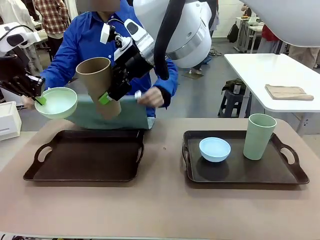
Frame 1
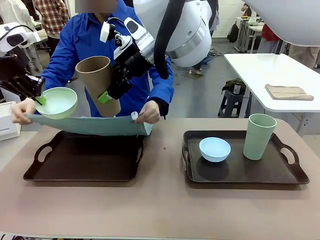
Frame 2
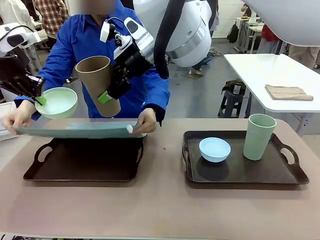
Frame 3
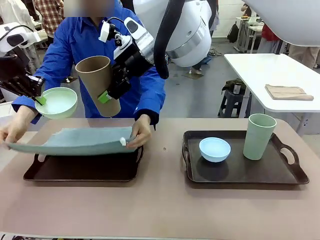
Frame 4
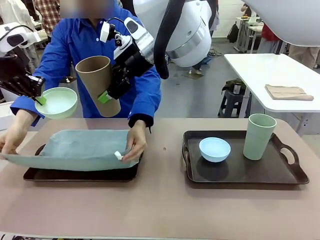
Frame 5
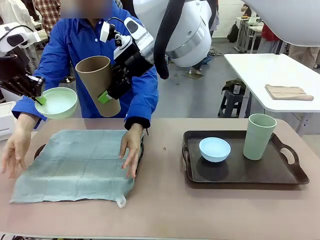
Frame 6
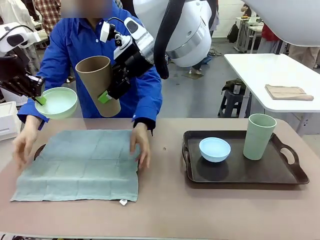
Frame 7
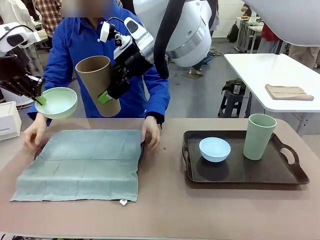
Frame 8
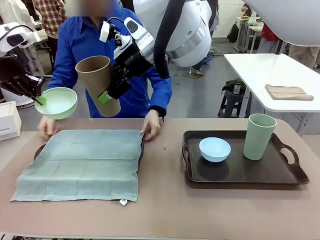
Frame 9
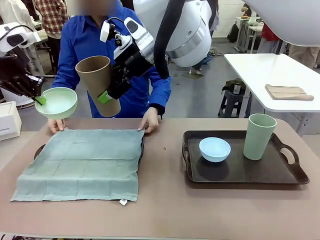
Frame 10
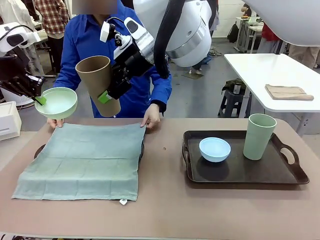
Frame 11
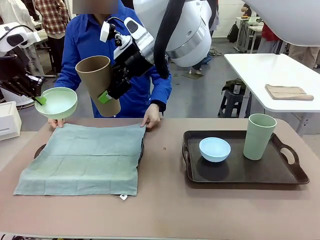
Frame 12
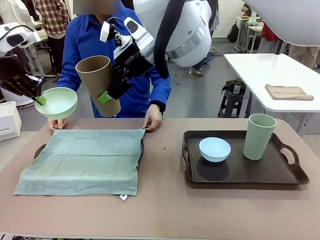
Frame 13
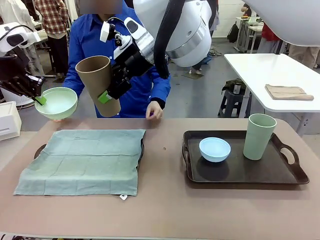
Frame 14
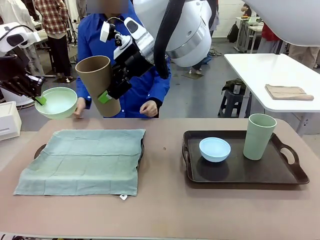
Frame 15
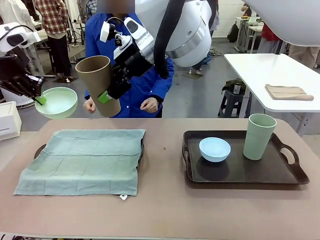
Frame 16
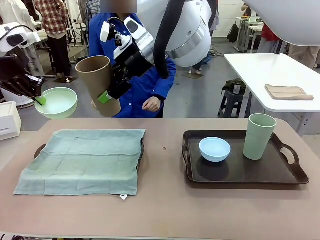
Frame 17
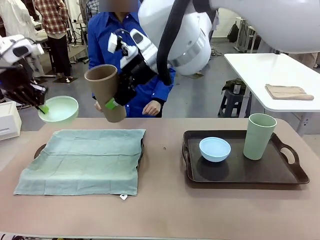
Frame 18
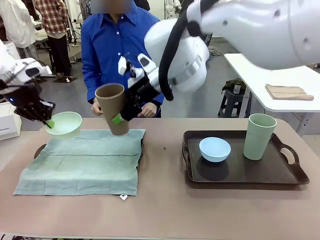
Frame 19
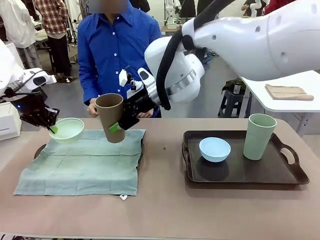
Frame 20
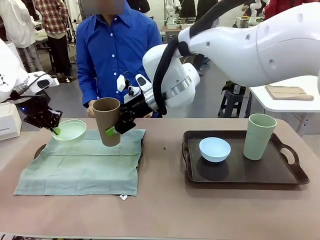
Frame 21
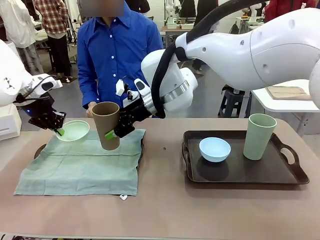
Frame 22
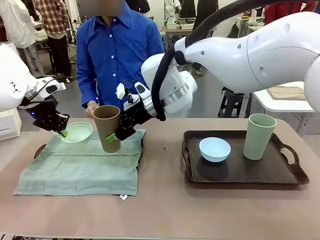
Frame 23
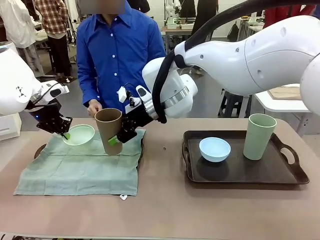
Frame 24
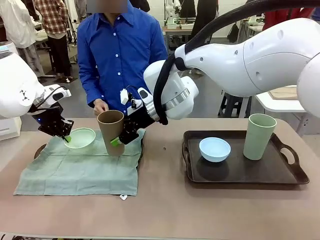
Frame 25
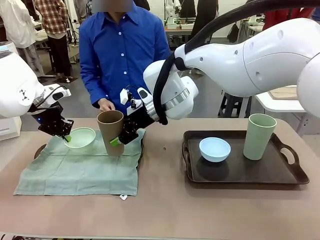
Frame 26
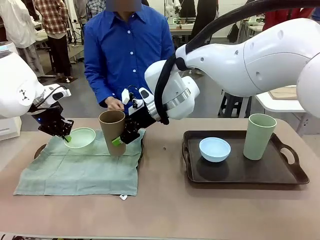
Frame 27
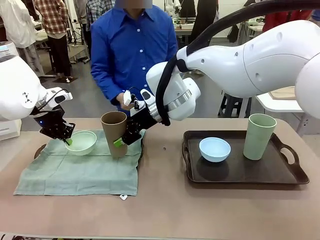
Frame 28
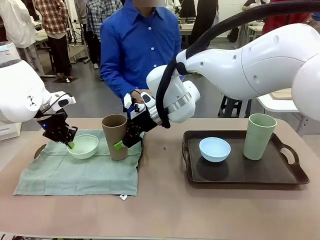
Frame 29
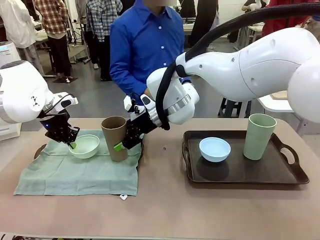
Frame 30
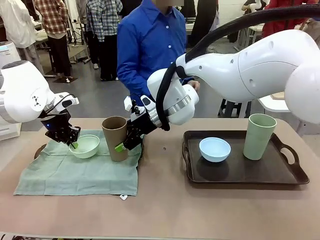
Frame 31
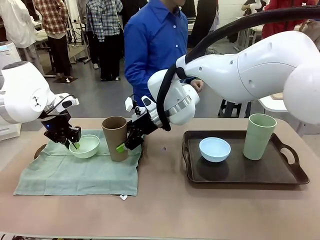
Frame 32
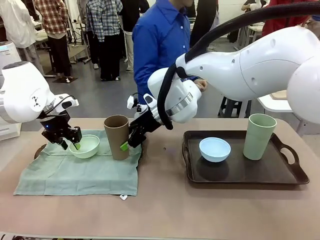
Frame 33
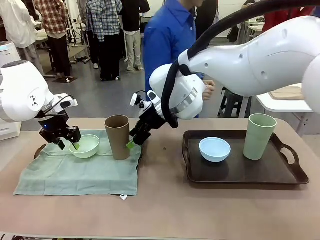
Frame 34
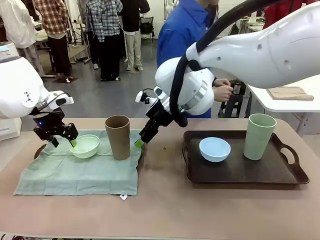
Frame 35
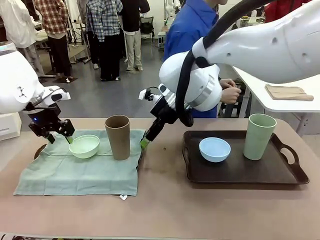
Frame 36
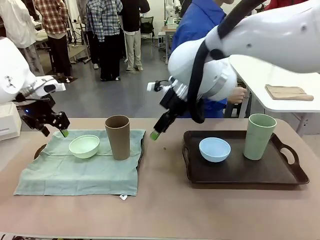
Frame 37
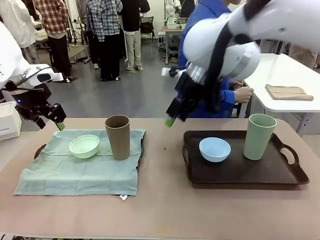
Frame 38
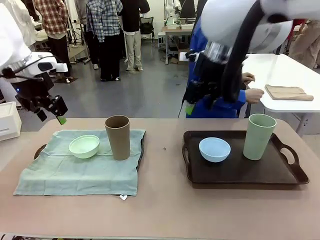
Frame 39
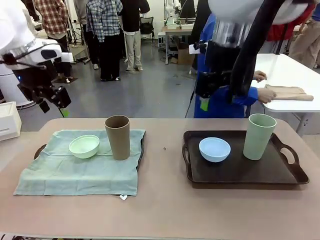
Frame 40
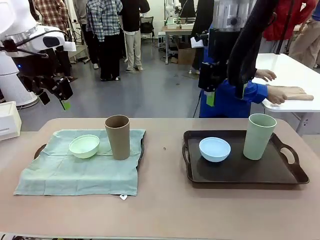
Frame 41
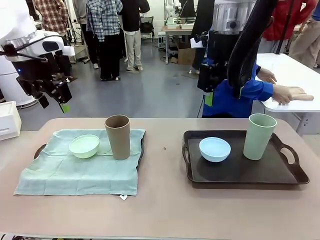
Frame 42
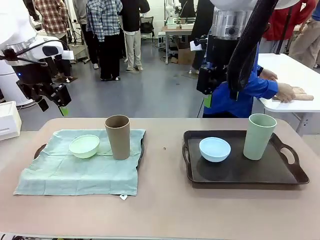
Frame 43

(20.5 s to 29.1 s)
Robot: Place the Picnic Bowl and Reusable plastic cup back onto the Handle tray in front of the human's position.

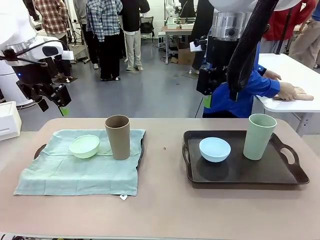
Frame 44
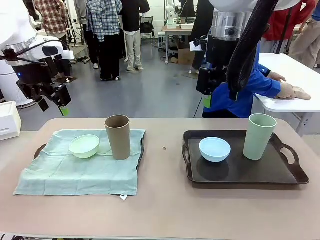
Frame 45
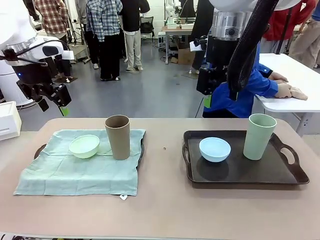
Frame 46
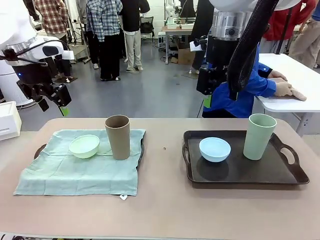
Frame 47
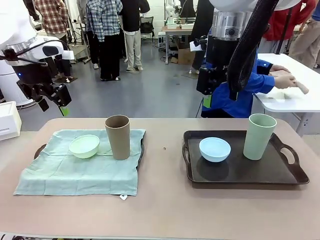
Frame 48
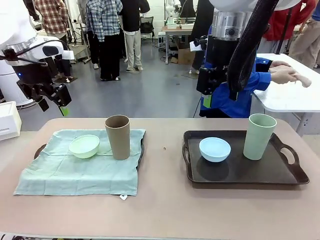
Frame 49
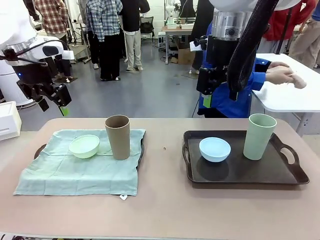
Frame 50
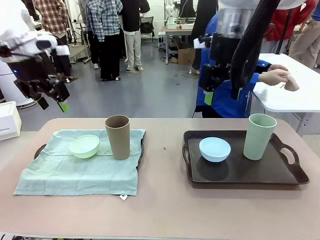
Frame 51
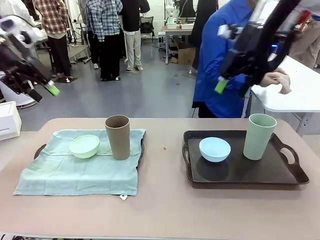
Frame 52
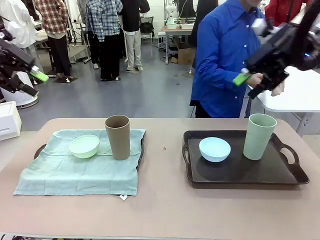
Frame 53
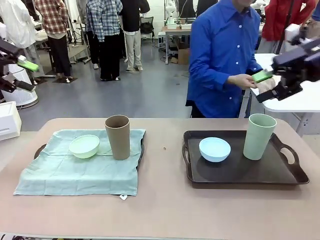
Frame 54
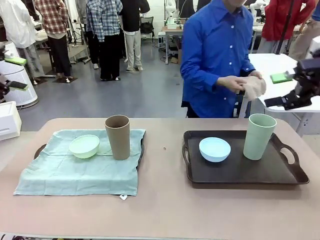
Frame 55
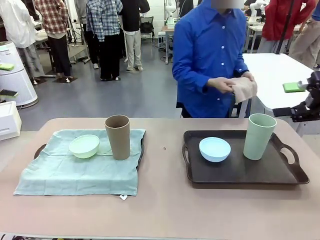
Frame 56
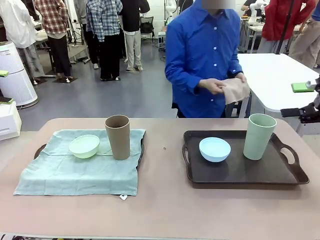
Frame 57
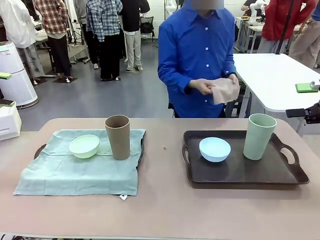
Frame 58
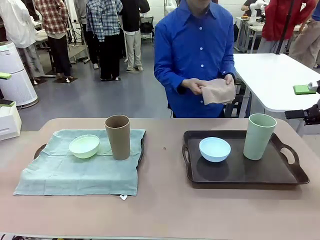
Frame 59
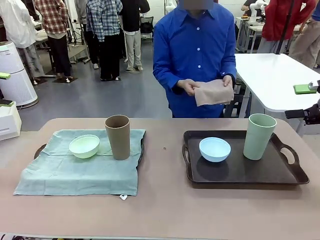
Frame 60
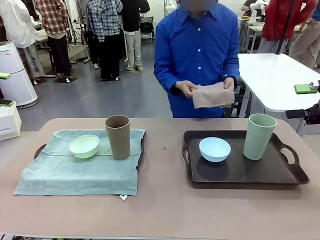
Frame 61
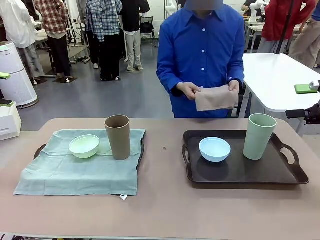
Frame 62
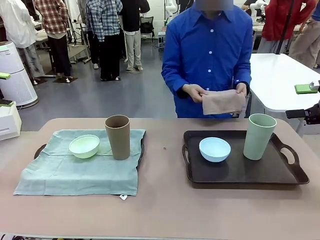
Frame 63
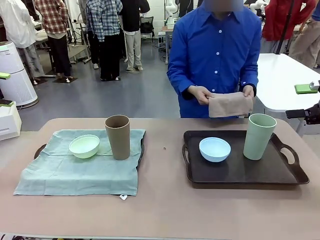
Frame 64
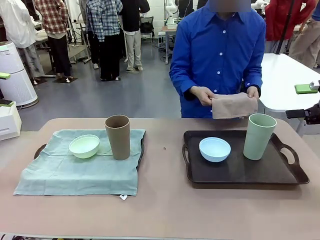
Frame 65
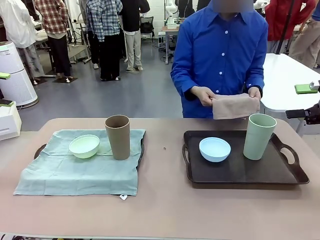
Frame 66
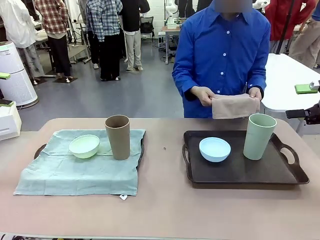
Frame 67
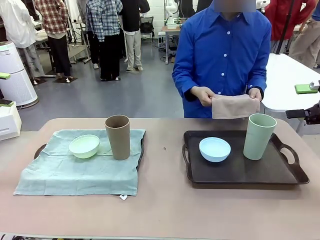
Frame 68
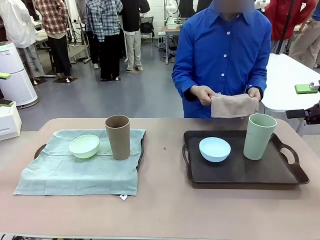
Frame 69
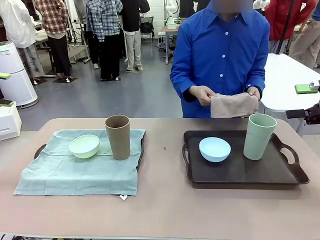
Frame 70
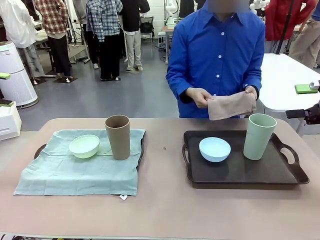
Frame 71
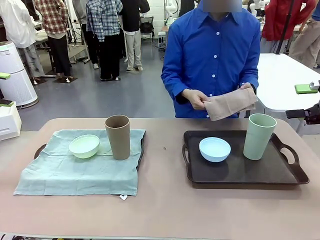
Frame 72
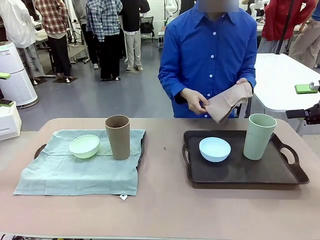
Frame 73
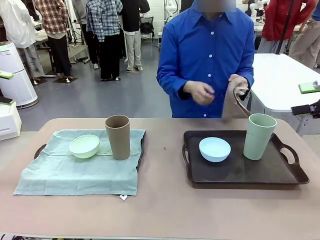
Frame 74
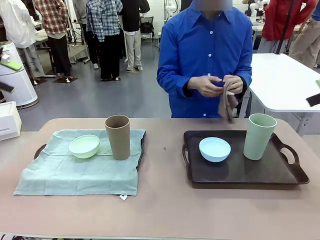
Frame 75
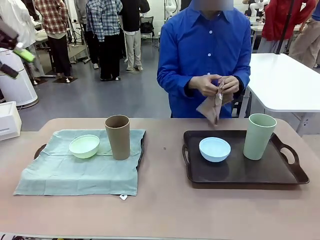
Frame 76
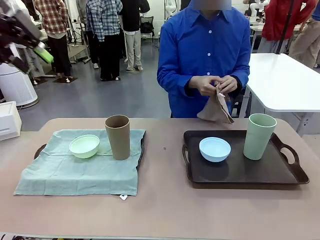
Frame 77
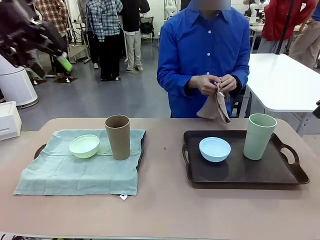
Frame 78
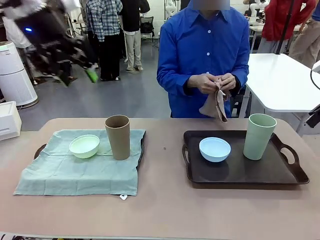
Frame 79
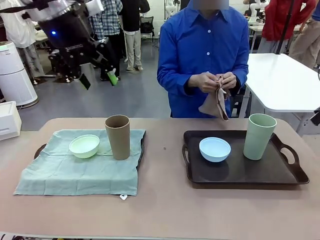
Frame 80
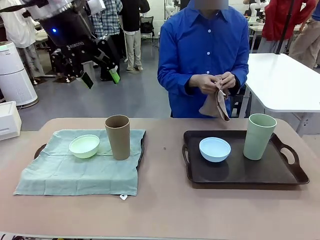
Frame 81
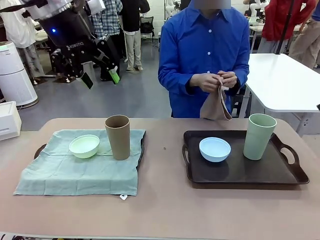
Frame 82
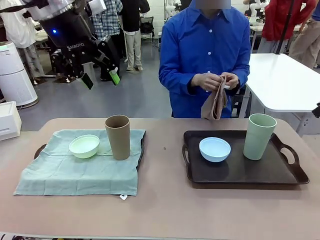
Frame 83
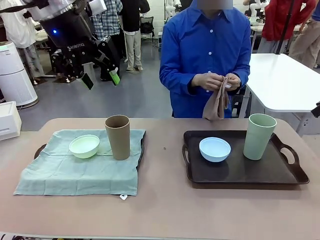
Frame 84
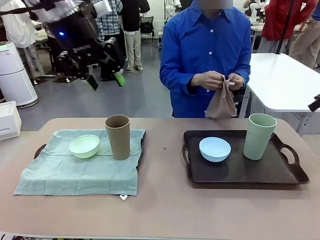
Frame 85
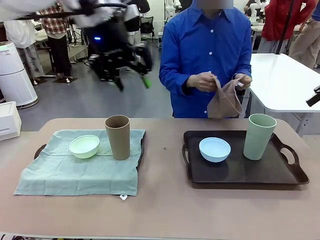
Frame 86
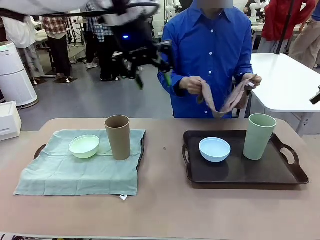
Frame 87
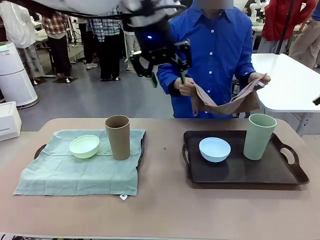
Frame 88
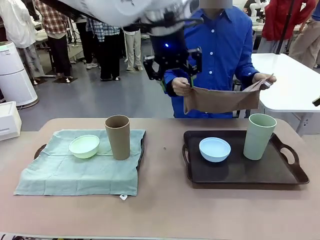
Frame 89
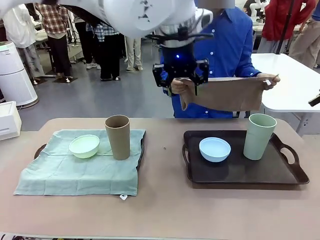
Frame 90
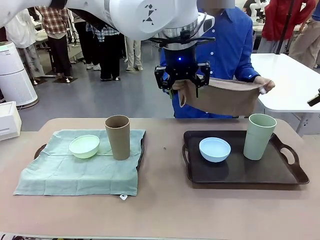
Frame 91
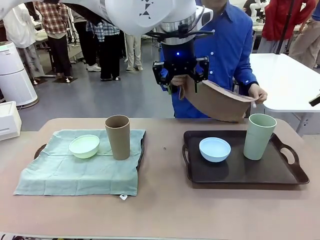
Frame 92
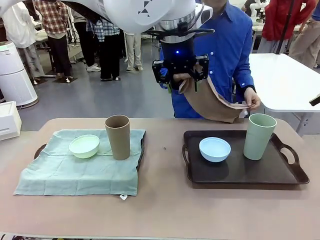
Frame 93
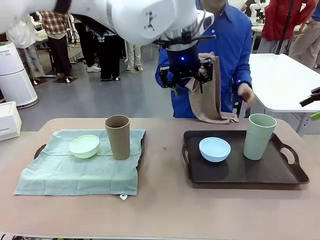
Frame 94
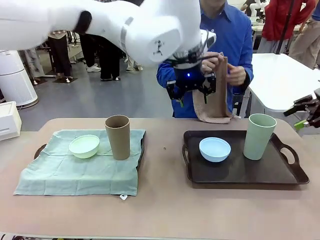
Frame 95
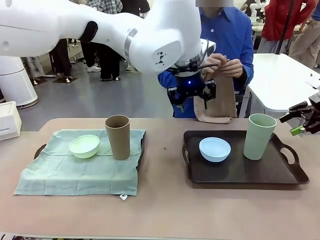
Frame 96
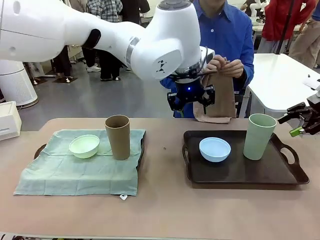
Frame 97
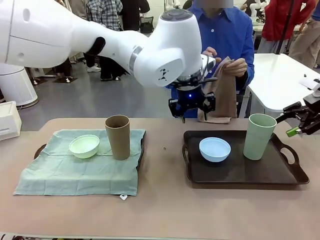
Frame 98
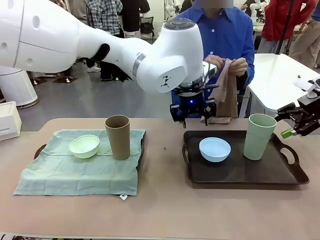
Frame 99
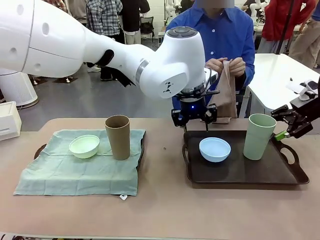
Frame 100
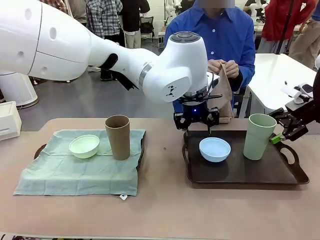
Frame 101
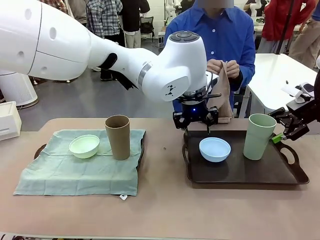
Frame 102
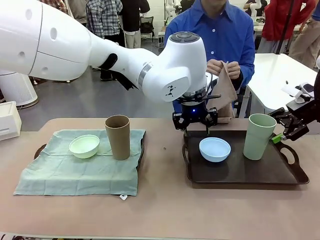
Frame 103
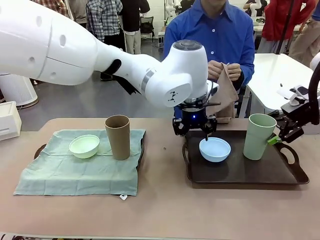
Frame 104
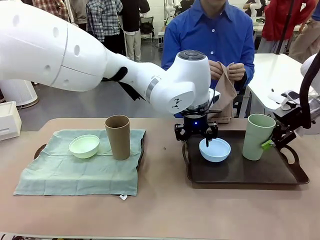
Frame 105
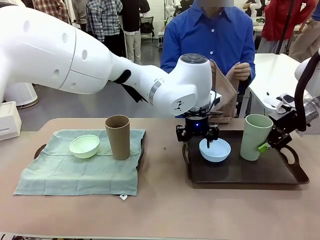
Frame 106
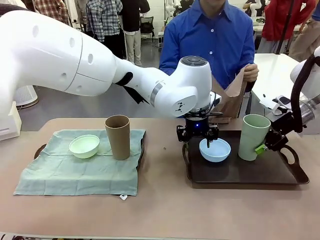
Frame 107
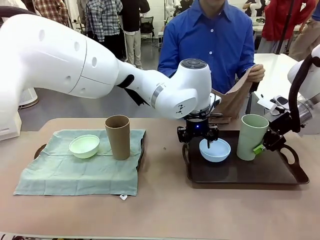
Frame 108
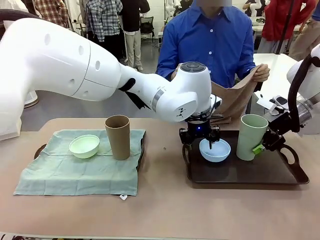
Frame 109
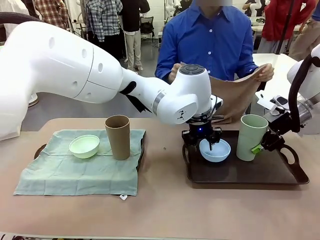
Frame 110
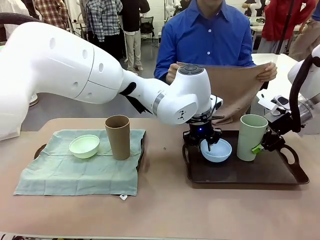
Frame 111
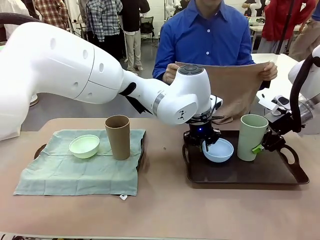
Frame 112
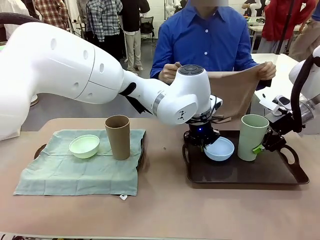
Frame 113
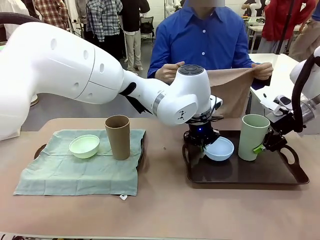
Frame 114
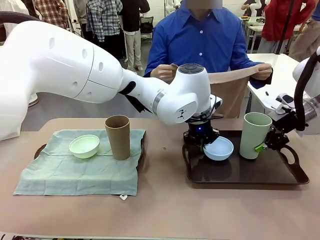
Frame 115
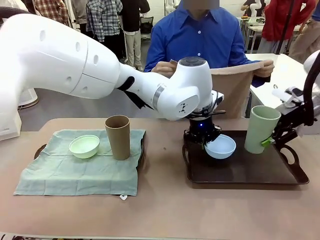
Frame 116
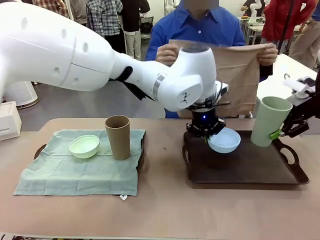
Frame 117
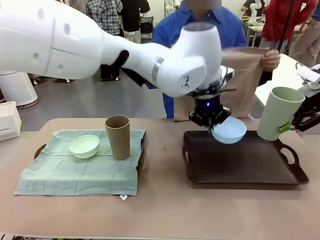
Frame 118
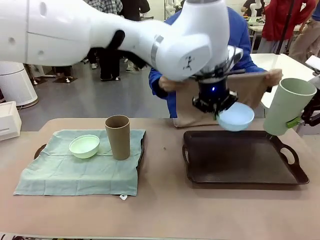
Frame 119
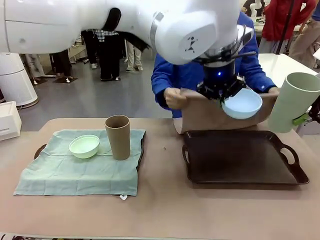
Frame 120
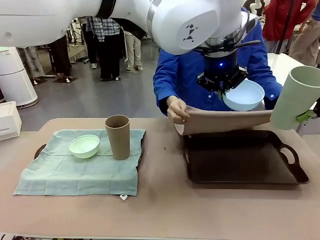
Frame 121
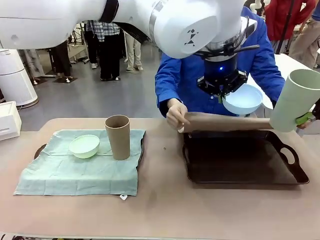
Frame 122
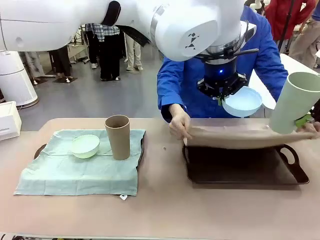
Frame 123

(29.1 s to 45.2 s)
Robot: Pick up the Picnic Bowl and Reusable plastic cup from the Handle tray in front of the human's position and hold them in the air.
Person: The human returns to the human table to pick up another napkin and walks to the robot table to stand in front of the tray without a napkin.
